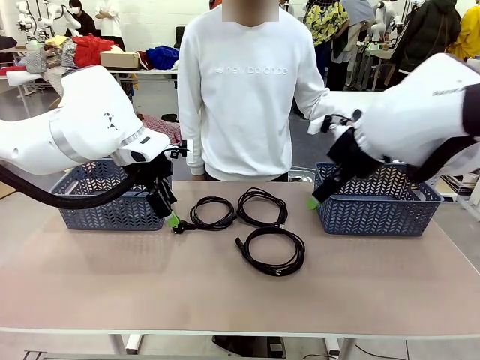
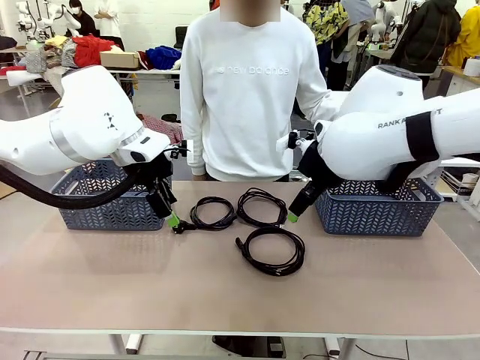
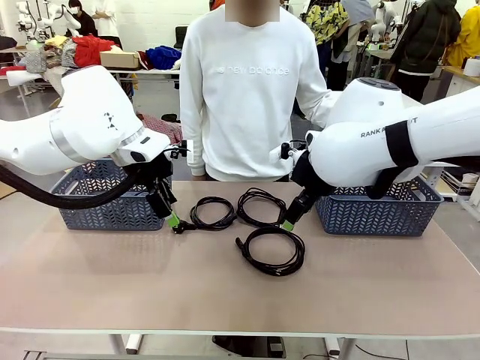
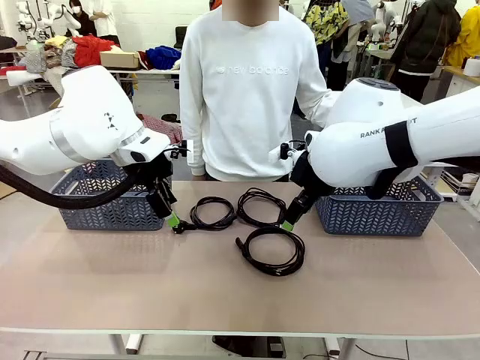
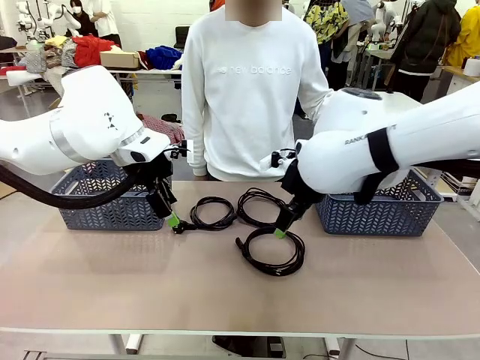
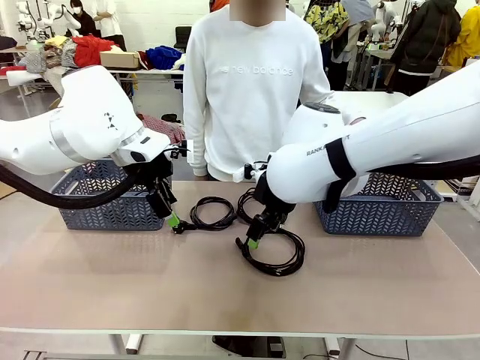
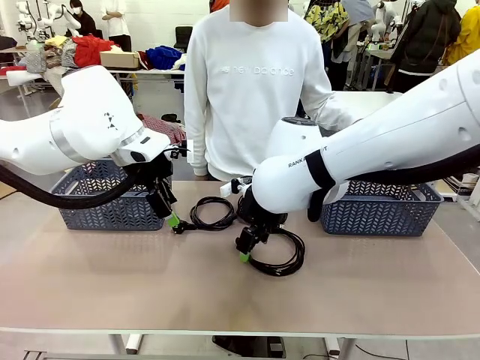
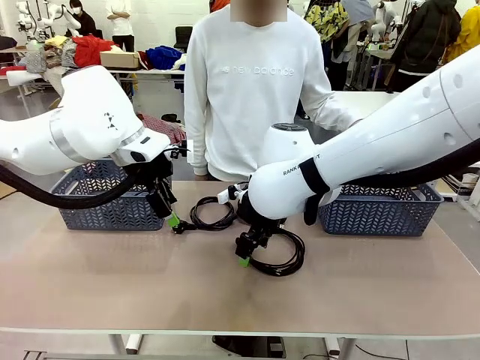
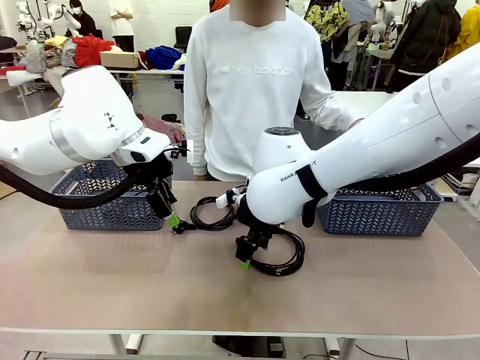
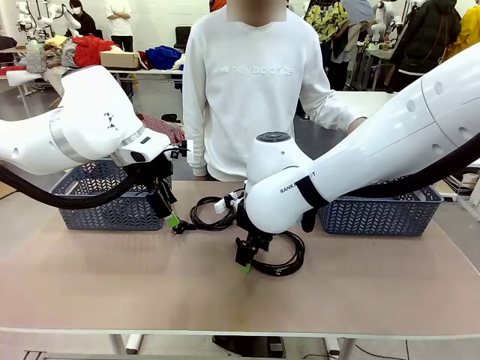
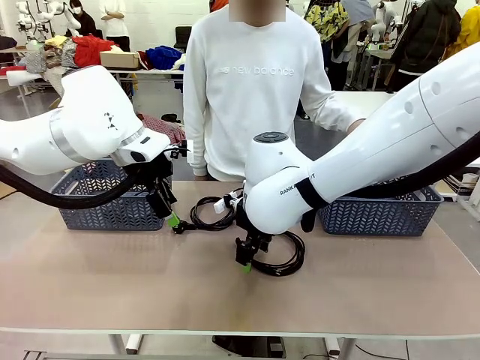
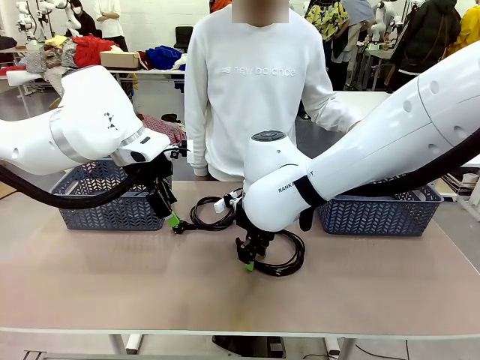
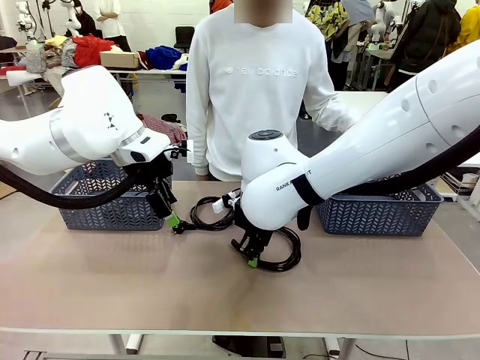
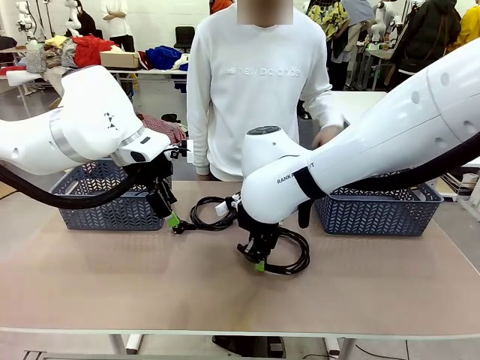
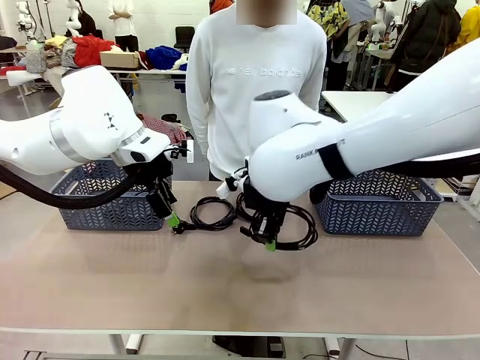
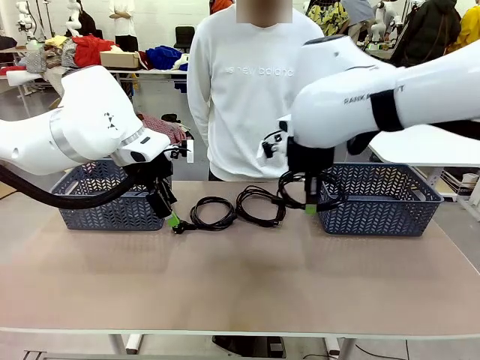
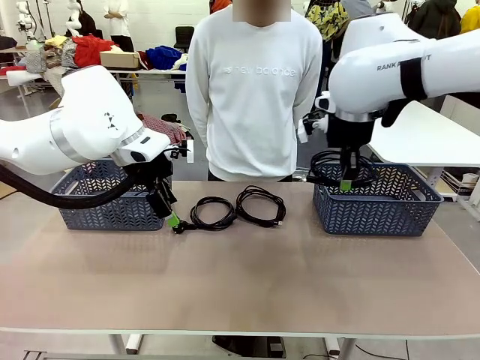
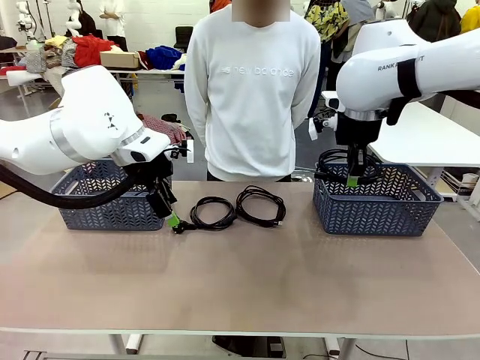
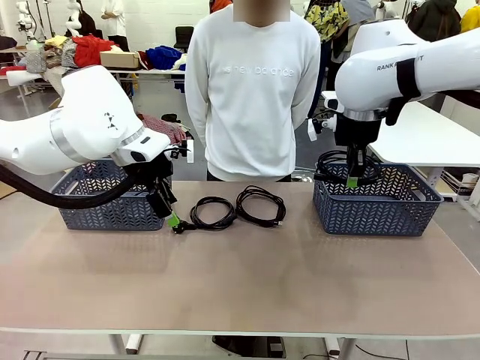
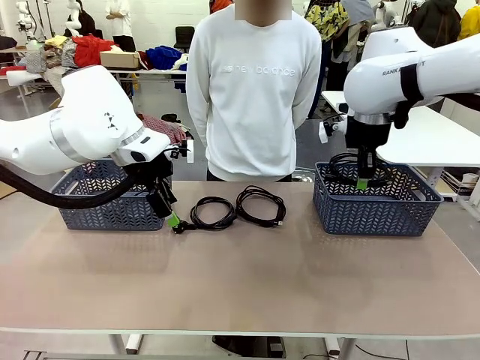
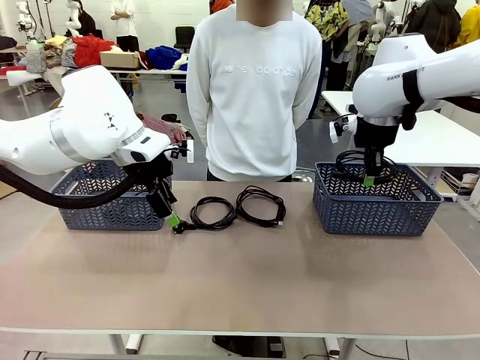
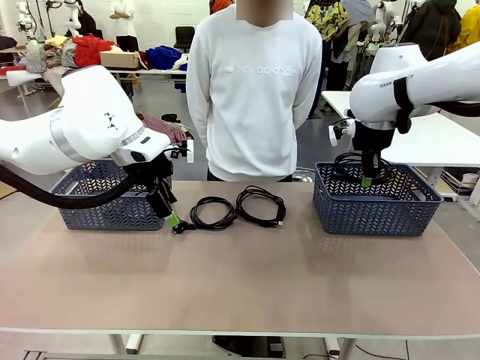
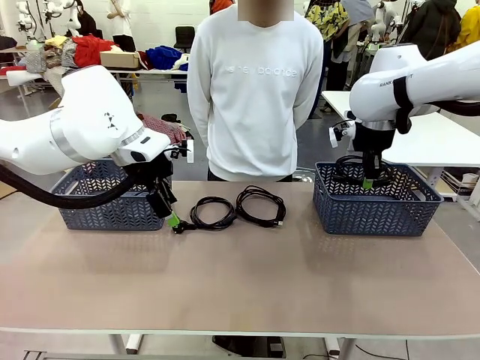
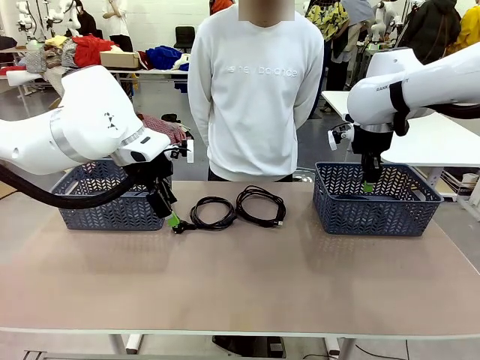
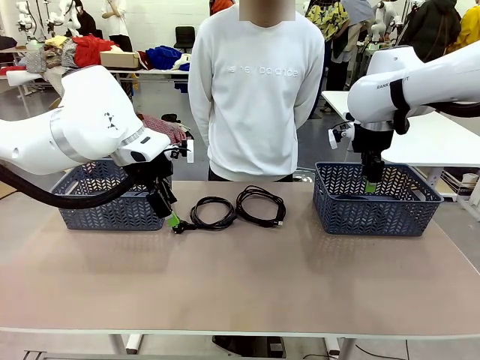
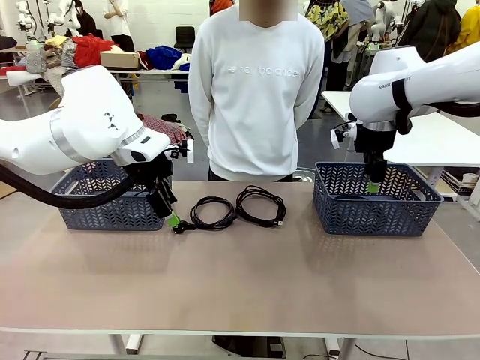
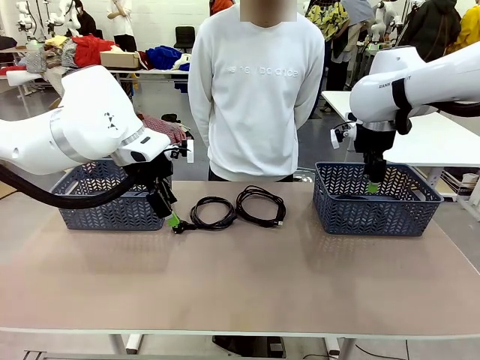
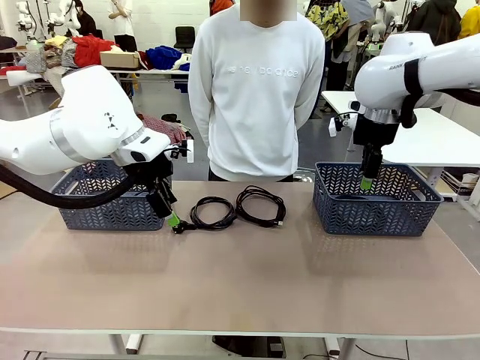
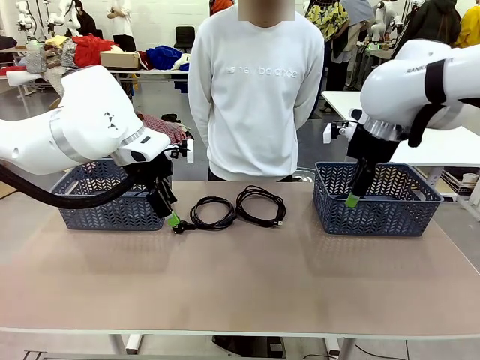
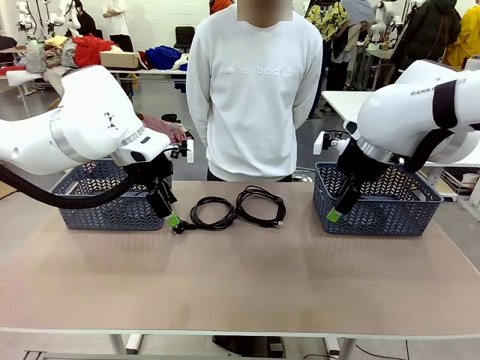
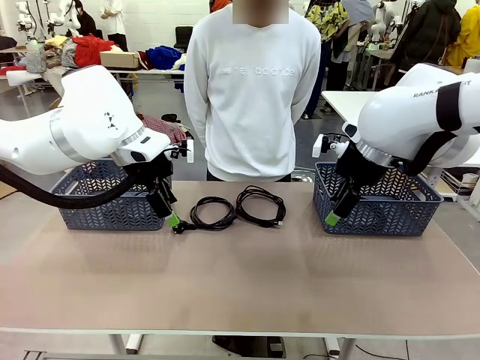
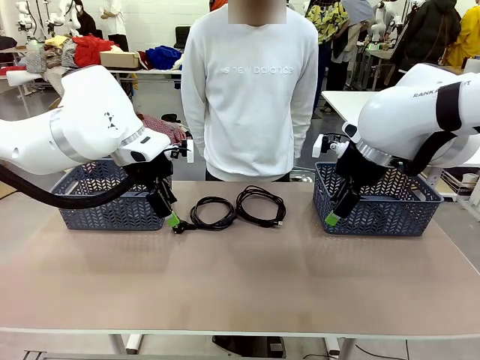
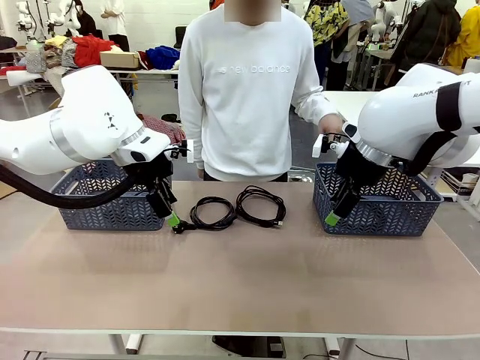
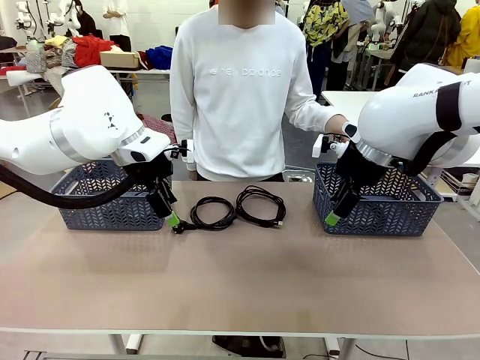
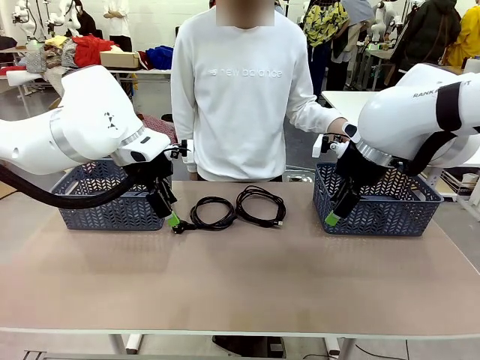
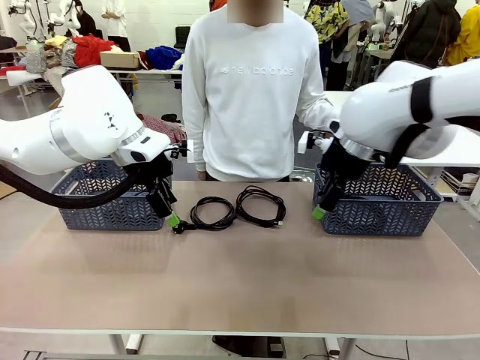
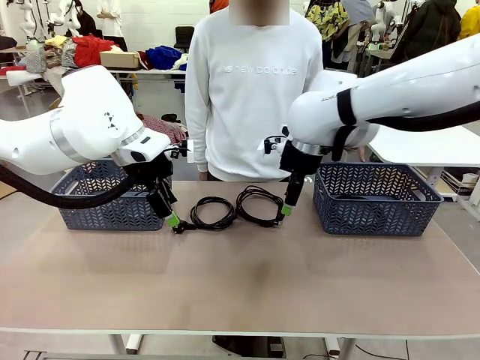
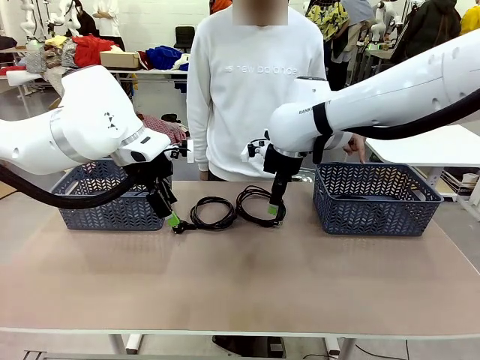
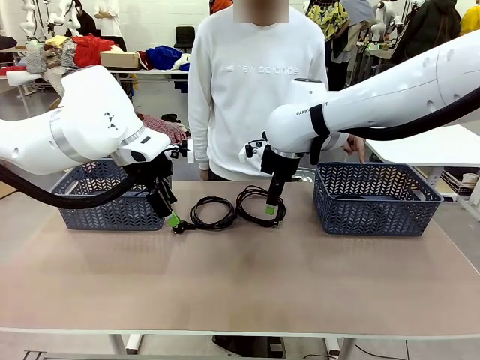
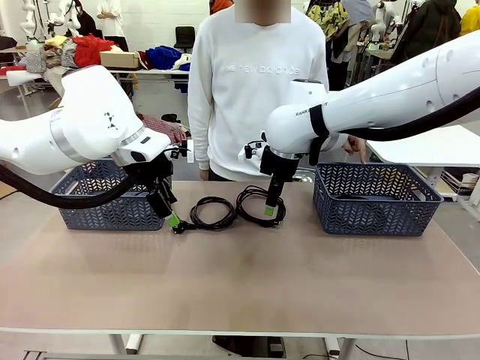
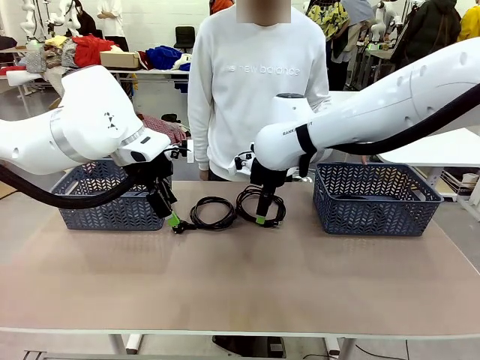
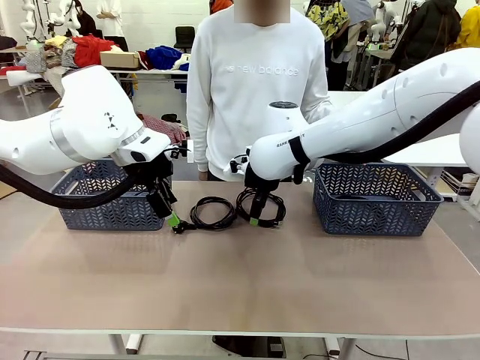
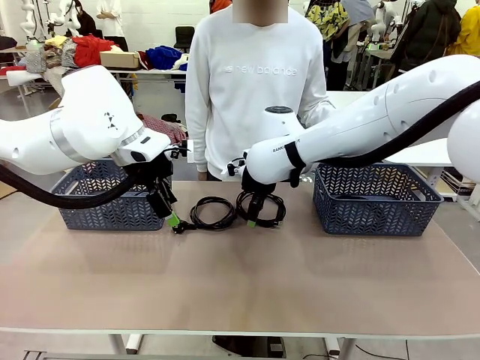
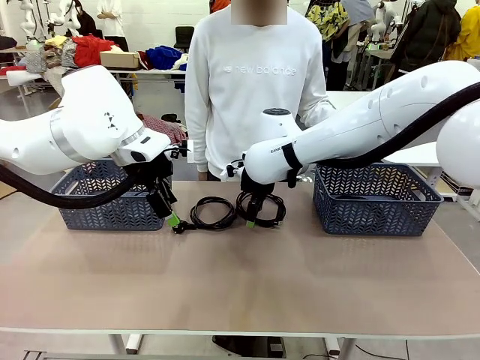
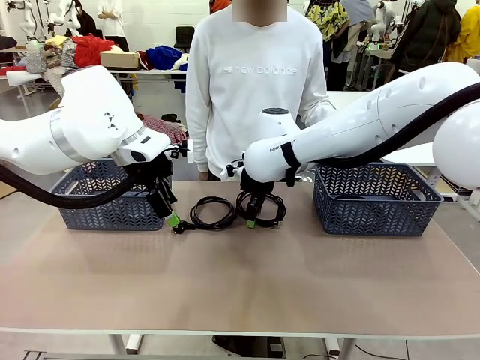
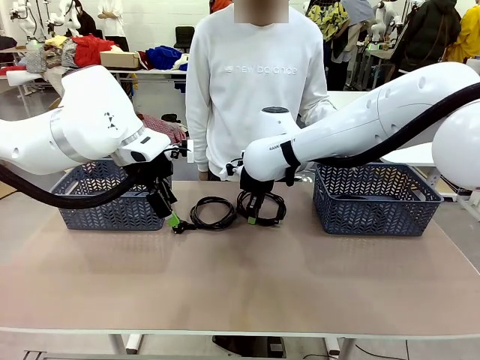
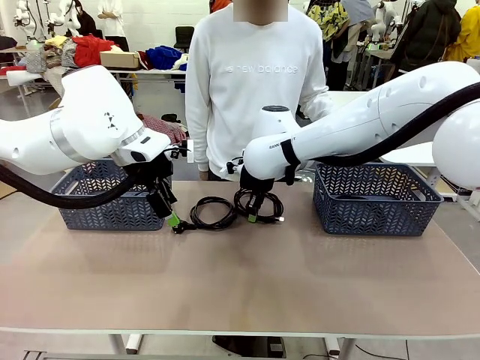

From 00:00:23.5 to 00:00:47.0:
Task: Organize the cables according to human instructions.
Robot: Pick up a bundle of cables and place it in the basket indicated by the human.
